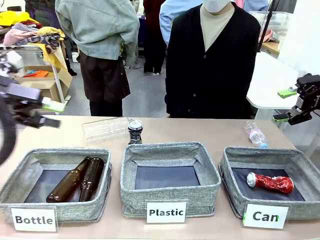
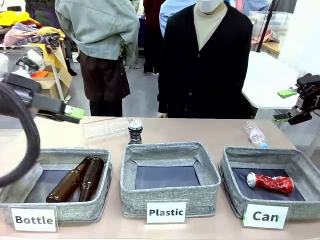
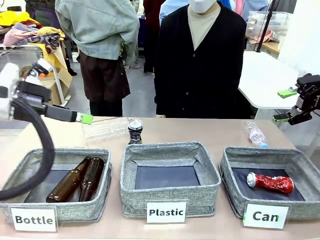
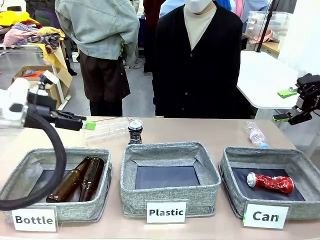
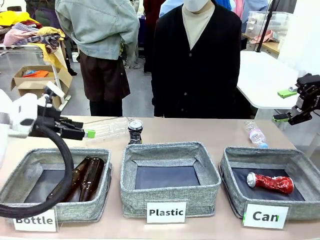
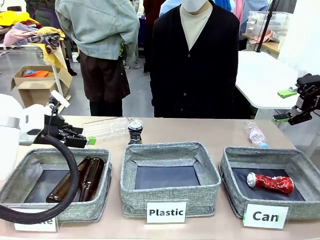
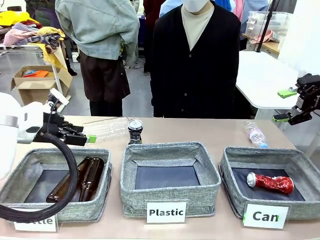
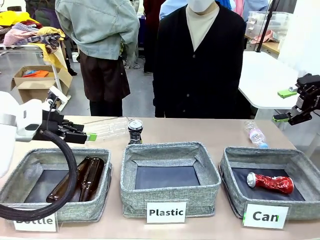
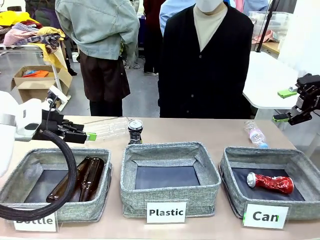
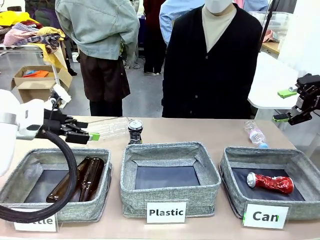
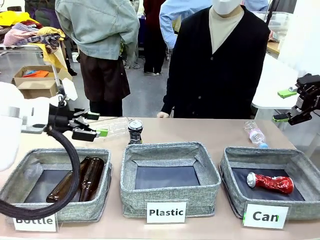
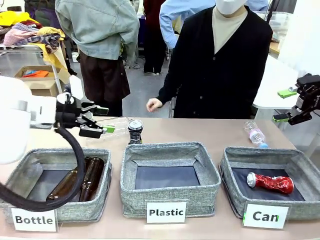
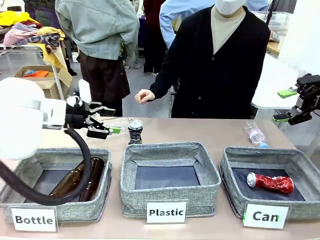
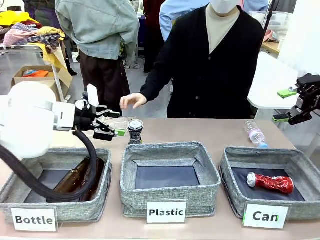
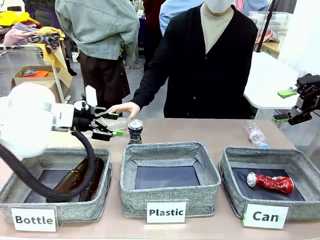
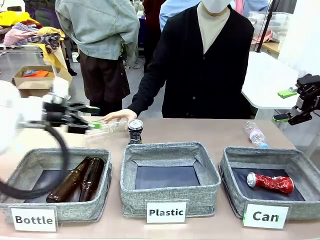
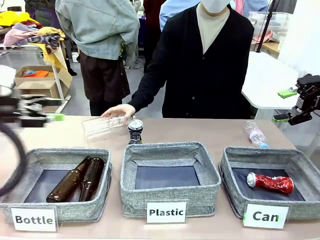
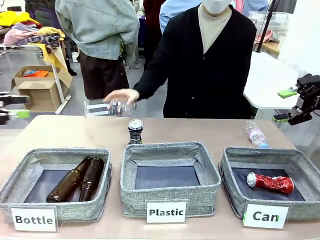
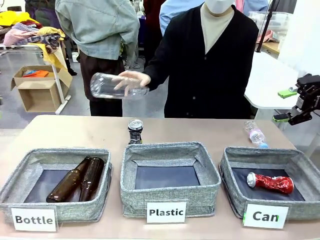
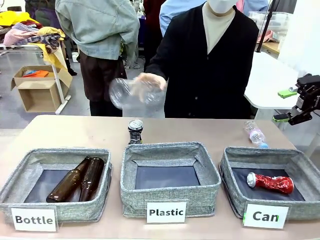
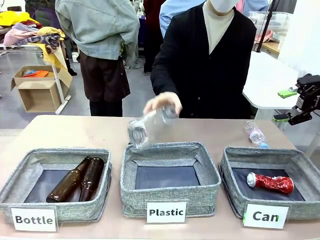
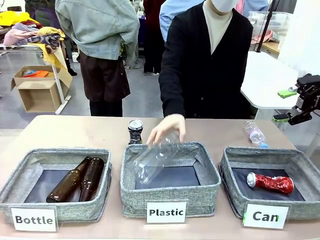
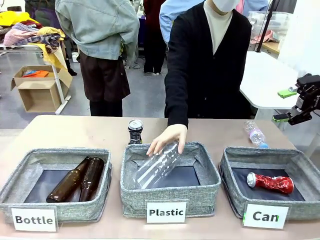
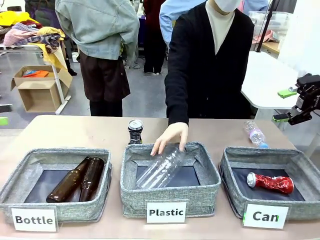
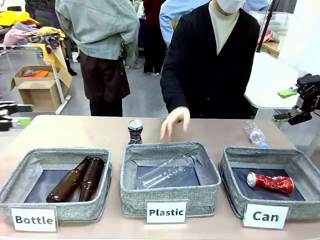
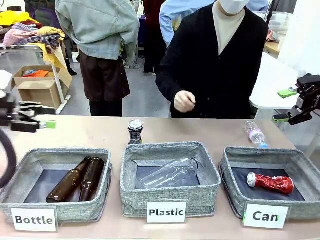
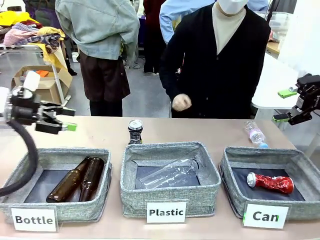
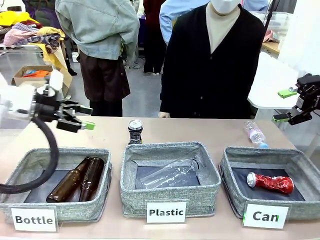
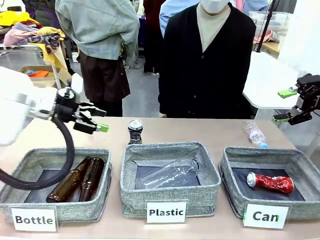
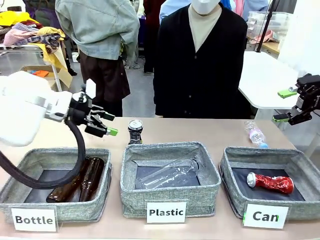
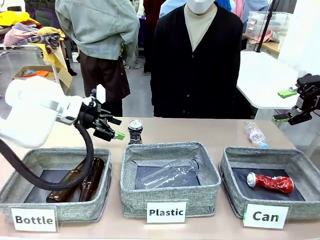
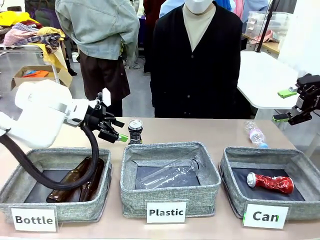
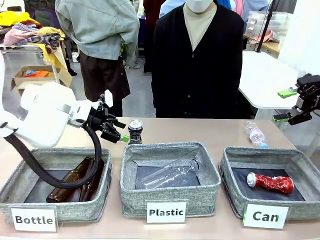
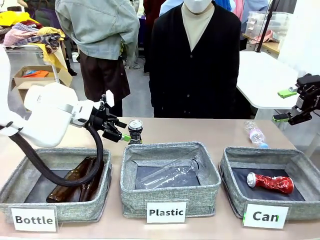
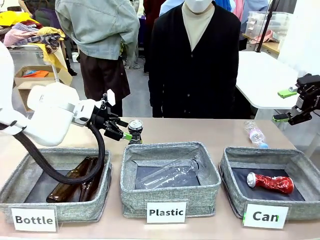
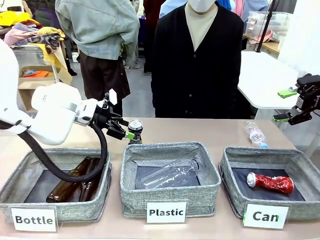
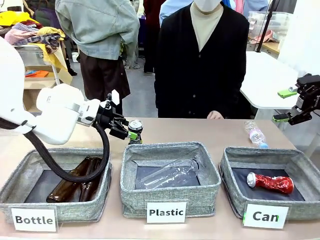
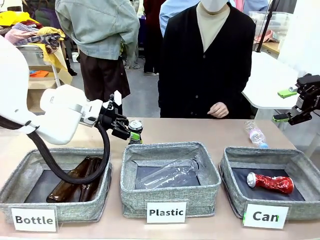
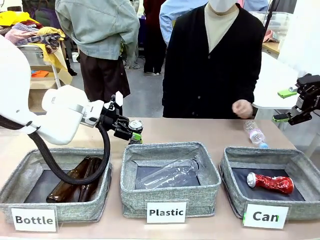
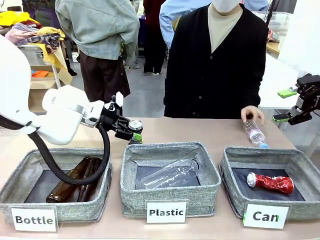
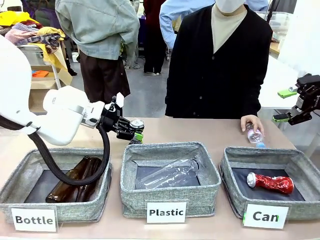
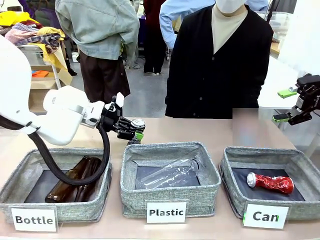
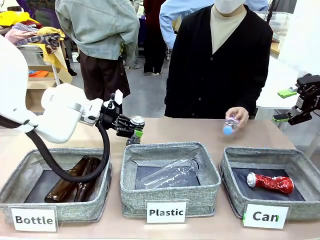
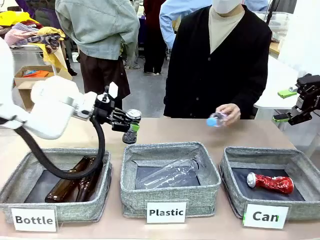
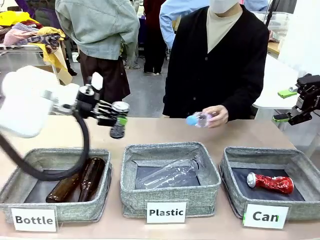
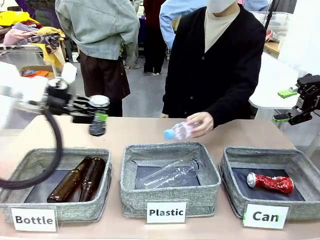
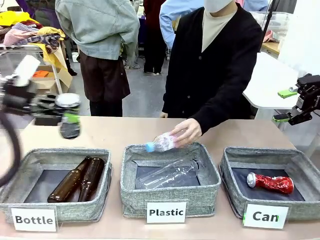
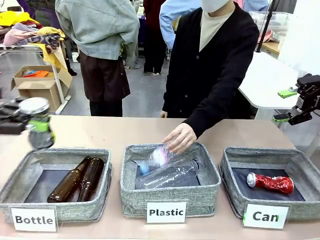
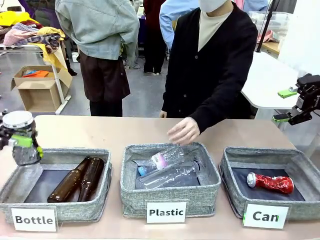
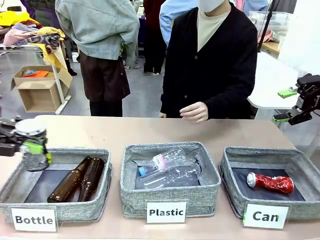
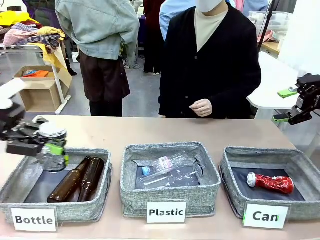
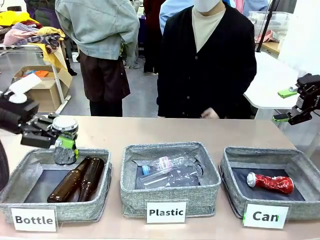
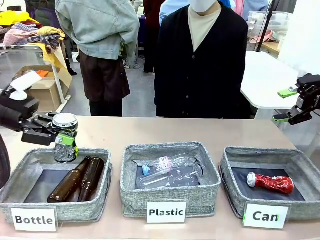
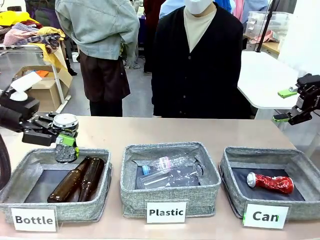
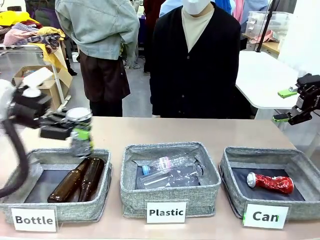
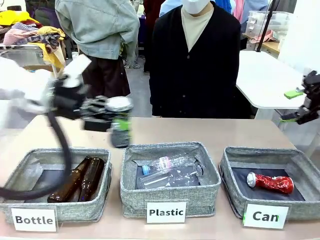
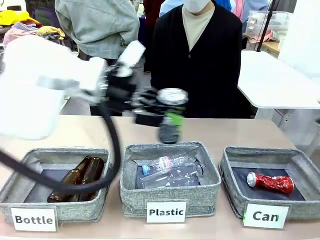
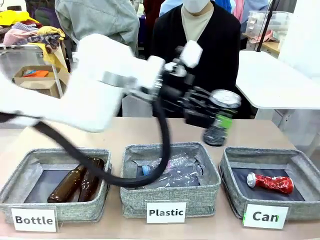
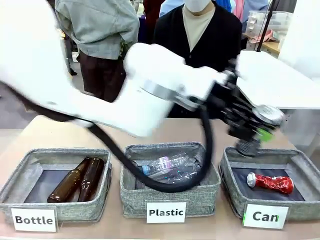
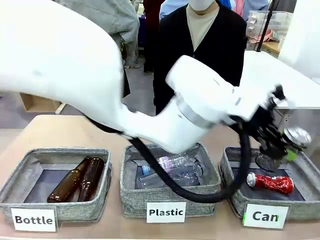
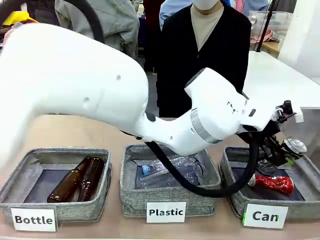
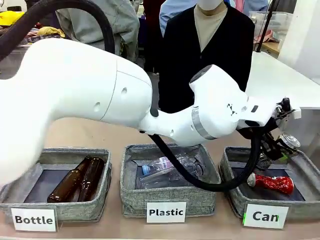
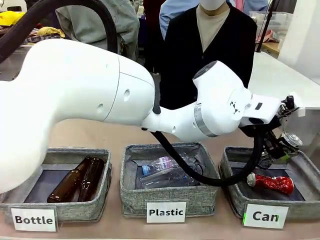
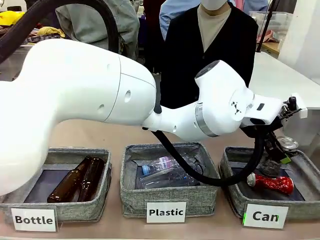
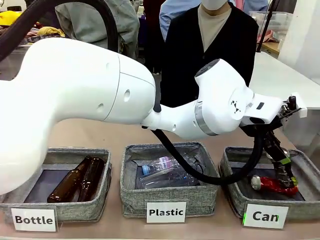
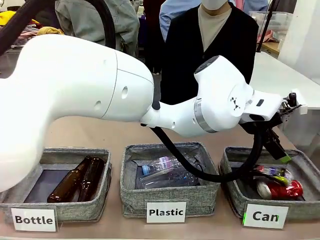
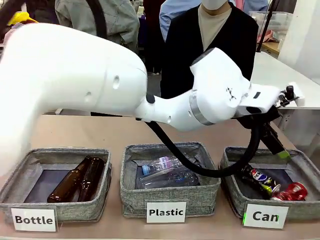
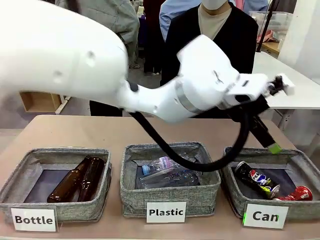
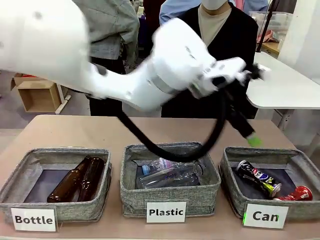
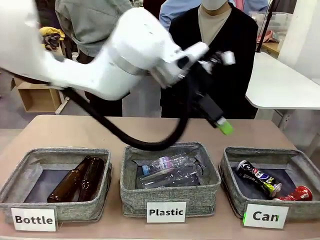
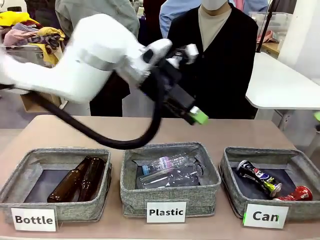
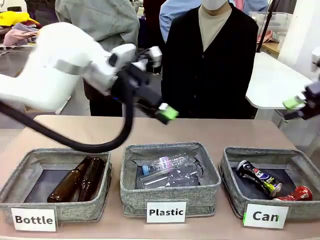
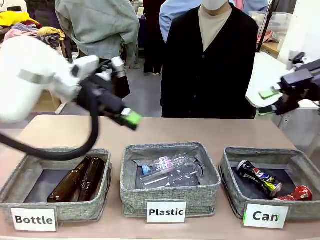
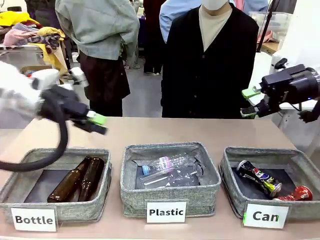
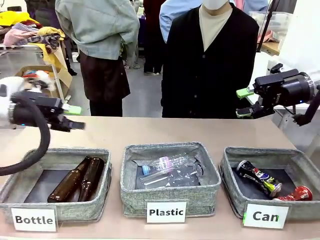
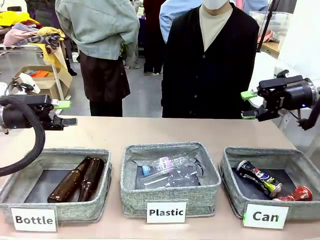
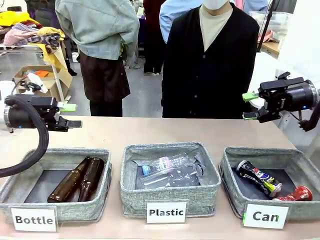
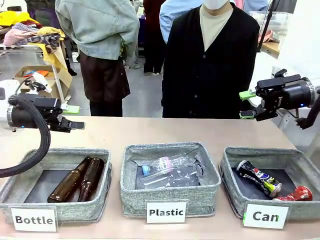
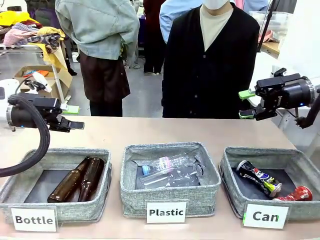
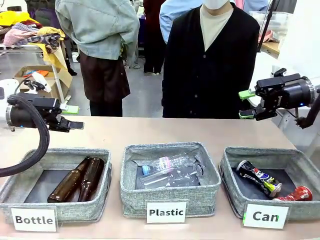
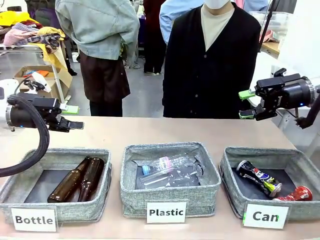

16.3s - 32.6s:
Task: Sort the can waste into the basket.
Robot: Pick up the can waste from the table and place it in the right Fabric basket.
